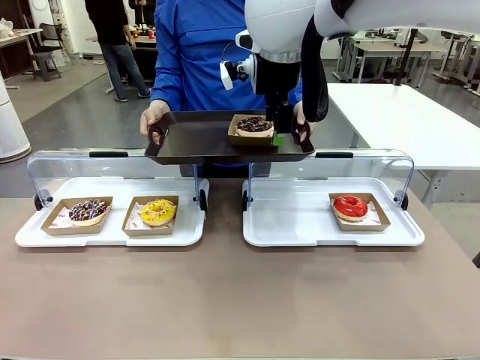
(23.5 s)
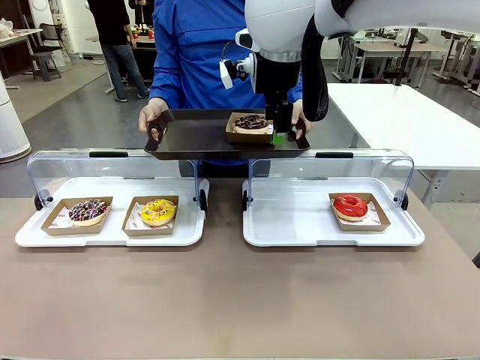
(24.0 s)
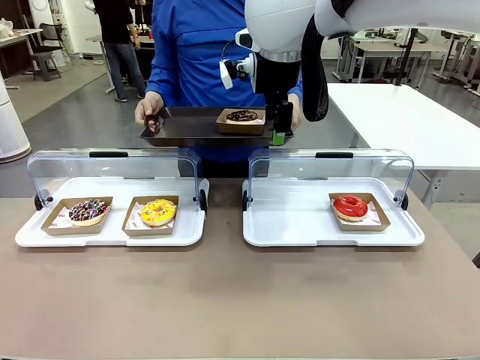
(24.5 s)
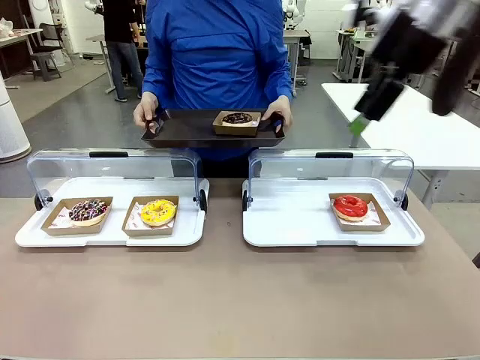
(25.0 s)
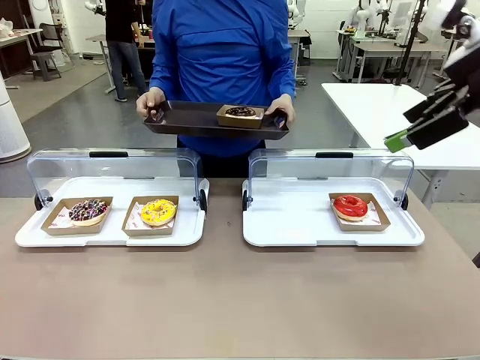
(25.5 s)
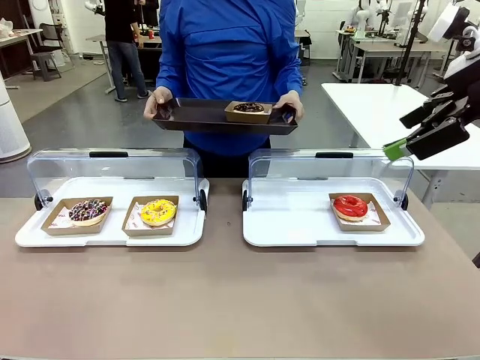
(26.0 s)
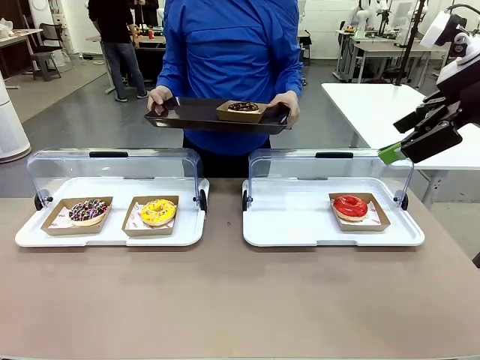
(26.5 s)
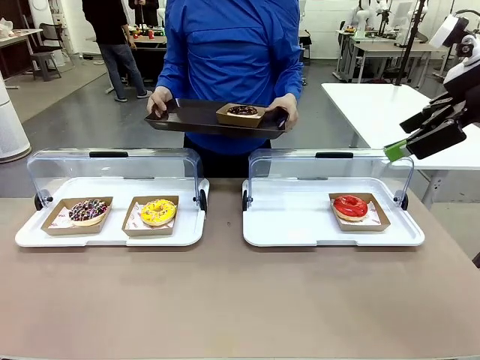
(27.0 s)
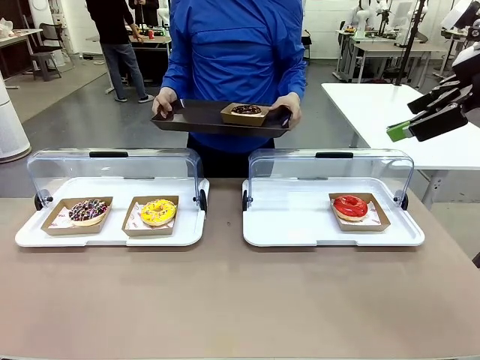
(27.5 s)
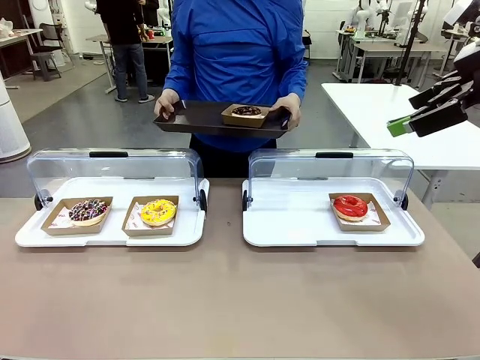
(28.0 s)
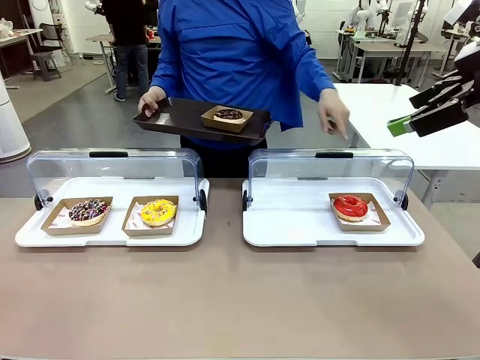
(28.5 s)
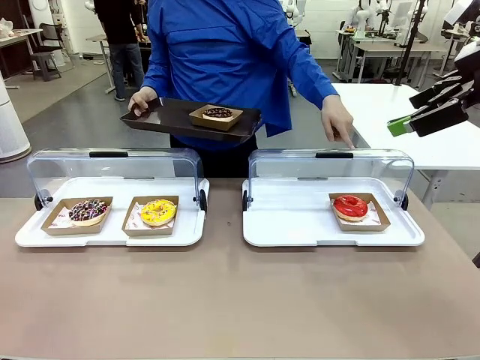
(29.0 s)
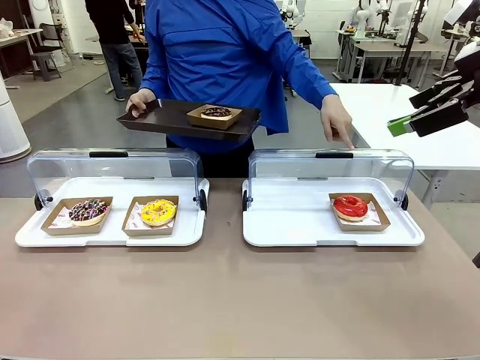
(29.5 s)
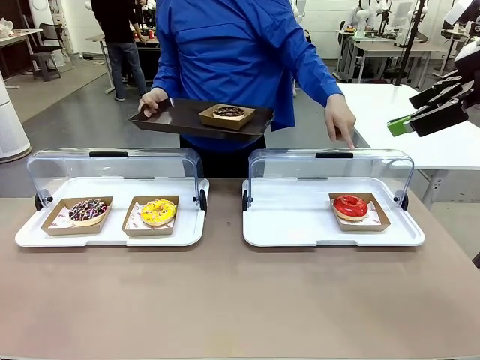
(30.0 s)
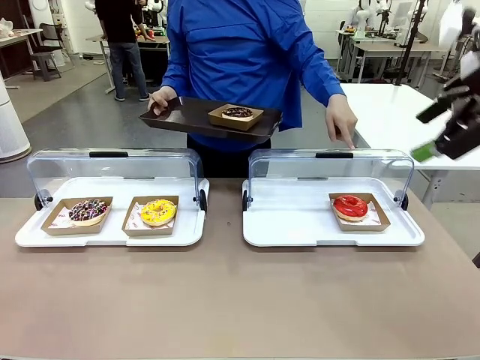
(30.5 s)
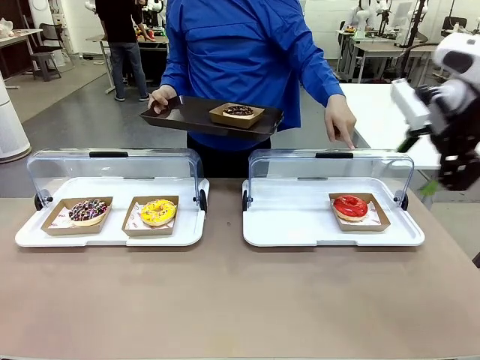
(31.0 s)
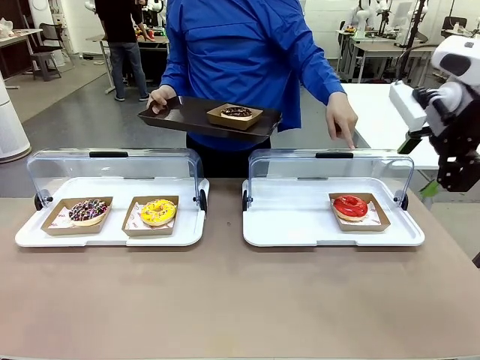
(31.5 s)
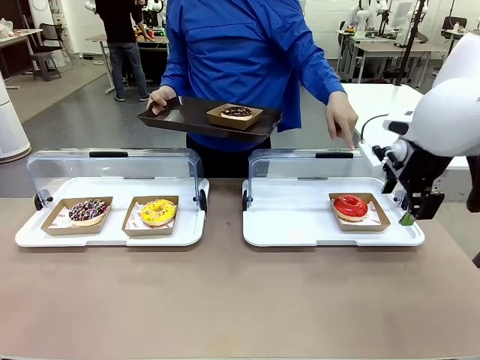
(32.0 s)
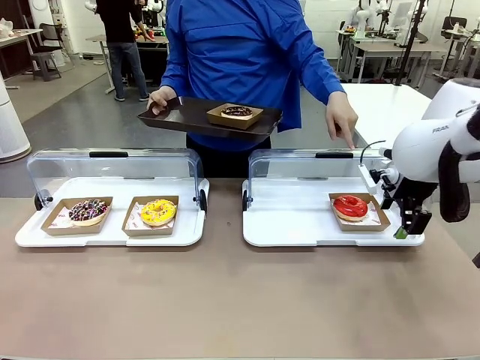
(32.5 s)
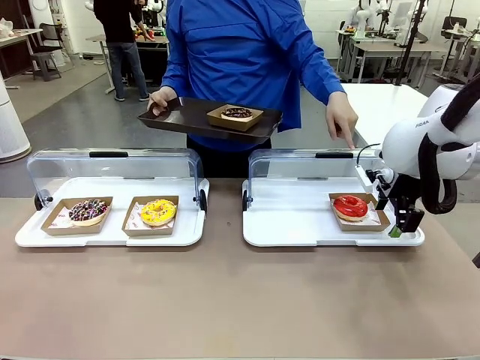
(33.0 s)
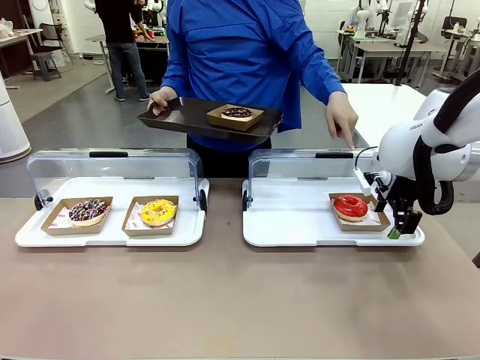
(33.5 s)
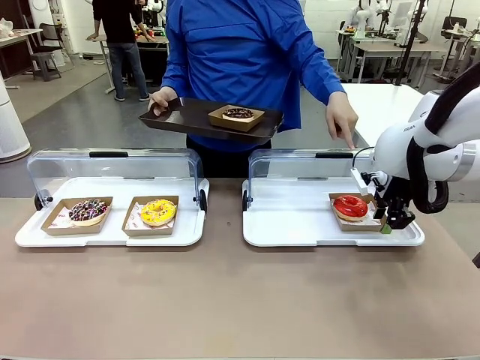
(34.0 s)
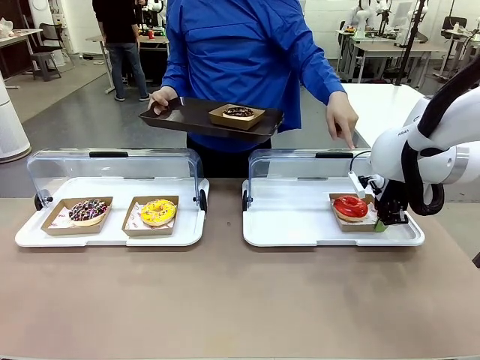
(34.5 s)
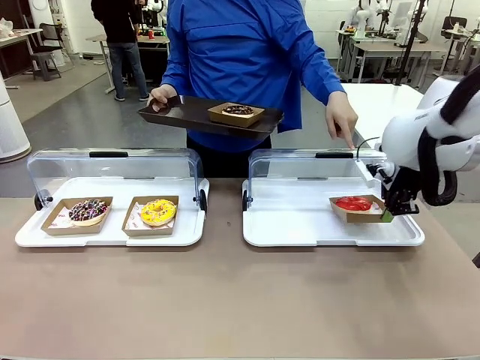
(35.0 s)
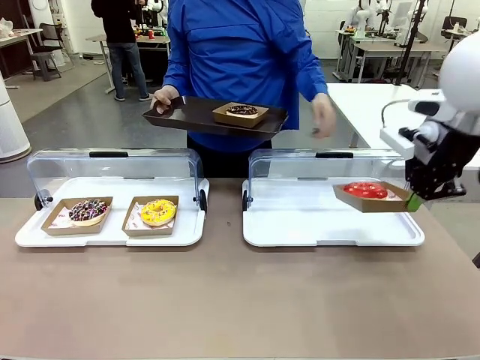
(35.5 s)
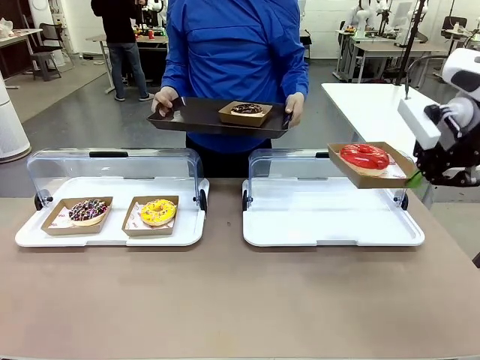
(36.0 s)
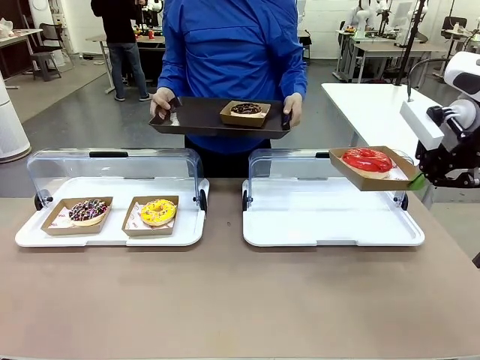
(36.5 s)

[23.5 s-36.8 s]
Task: Provide the desired donut to the person.
Robot: Pick up and lift the Paper togo box containing the Donut pointed at by the person.
Person: Lift the tray onto the Roll-Top Bakery Case.

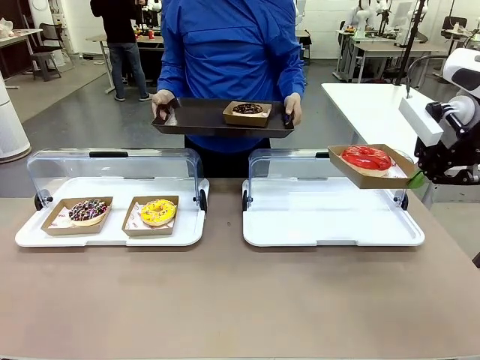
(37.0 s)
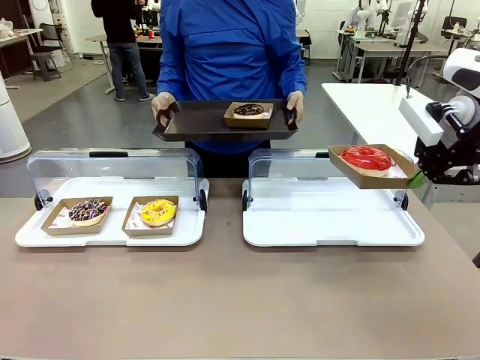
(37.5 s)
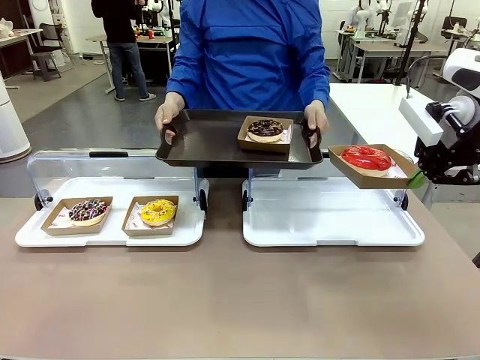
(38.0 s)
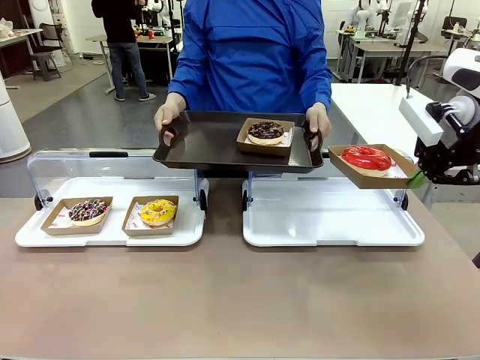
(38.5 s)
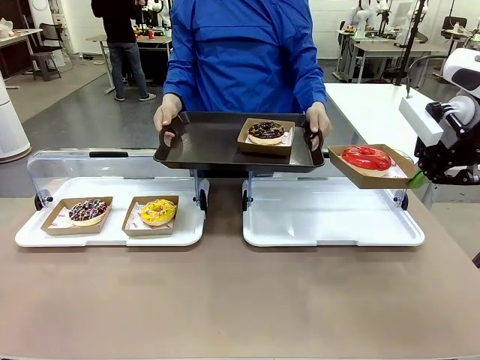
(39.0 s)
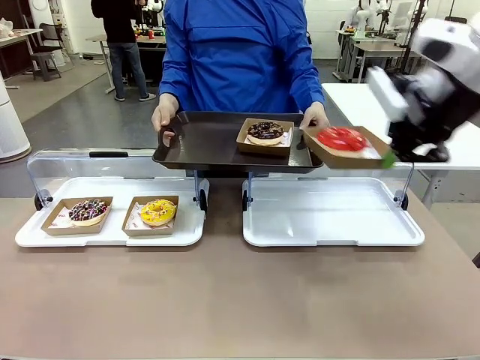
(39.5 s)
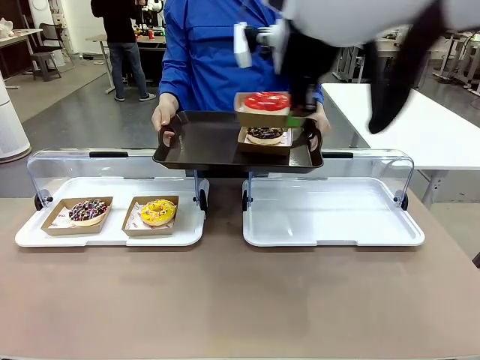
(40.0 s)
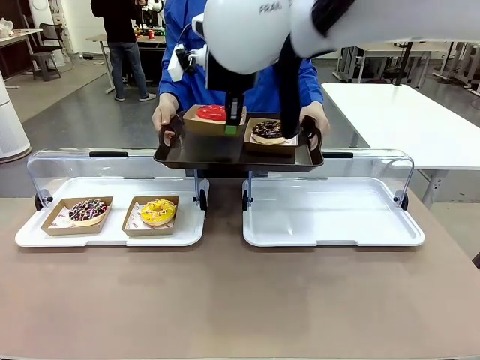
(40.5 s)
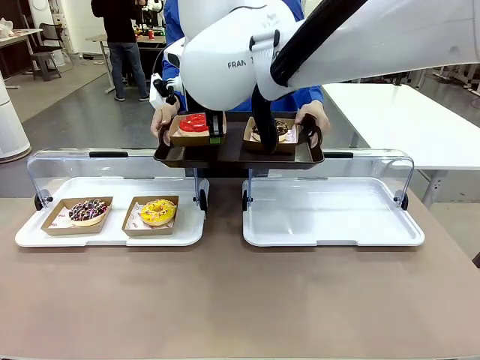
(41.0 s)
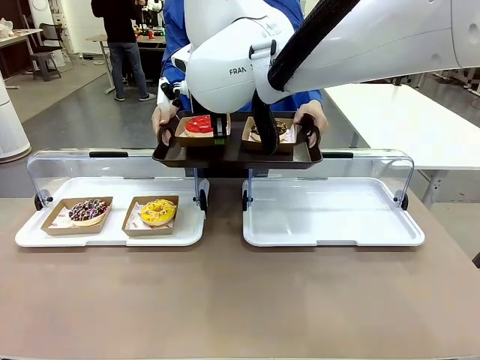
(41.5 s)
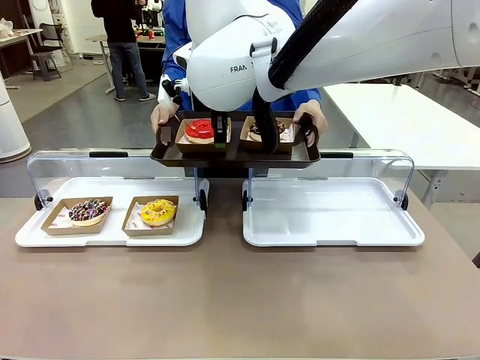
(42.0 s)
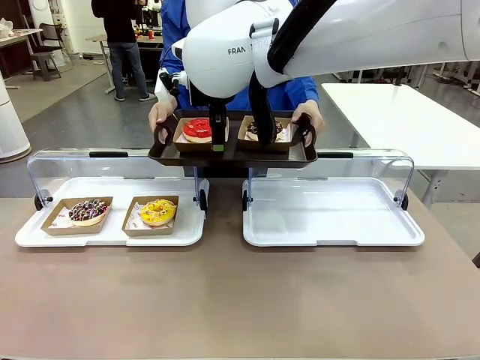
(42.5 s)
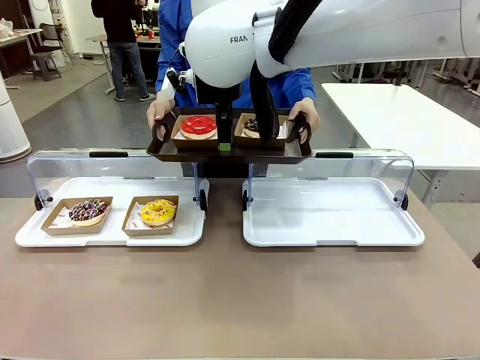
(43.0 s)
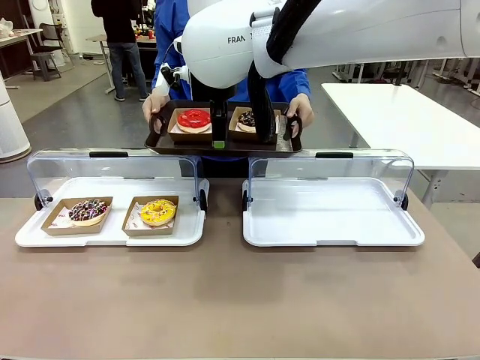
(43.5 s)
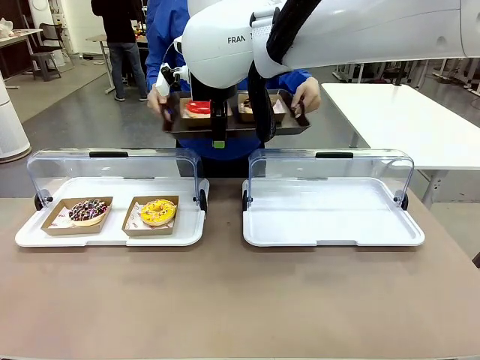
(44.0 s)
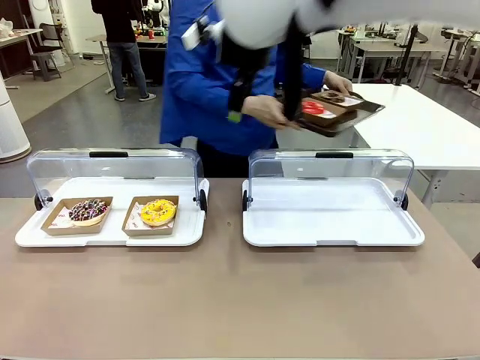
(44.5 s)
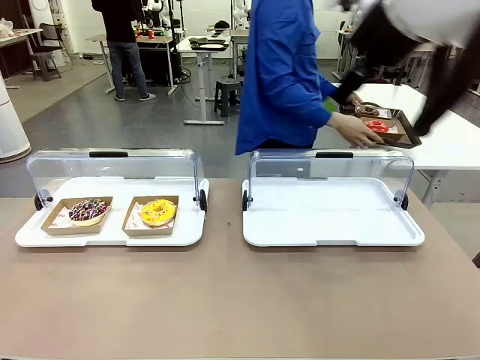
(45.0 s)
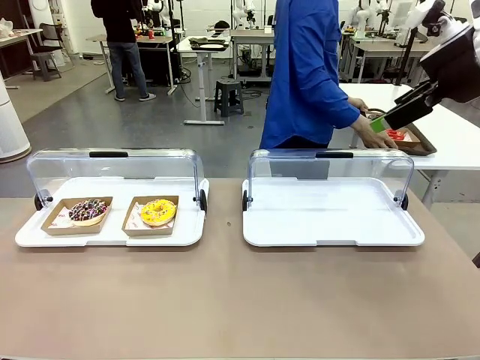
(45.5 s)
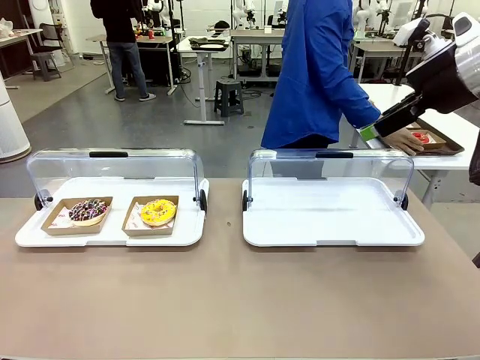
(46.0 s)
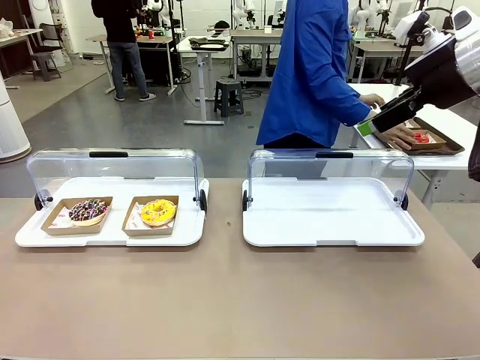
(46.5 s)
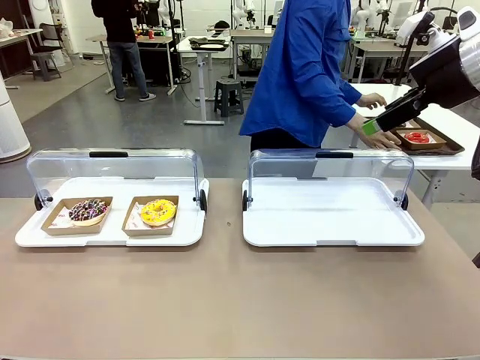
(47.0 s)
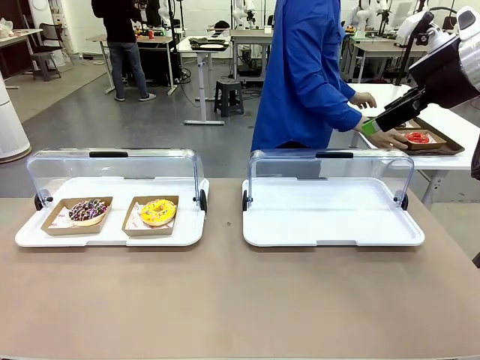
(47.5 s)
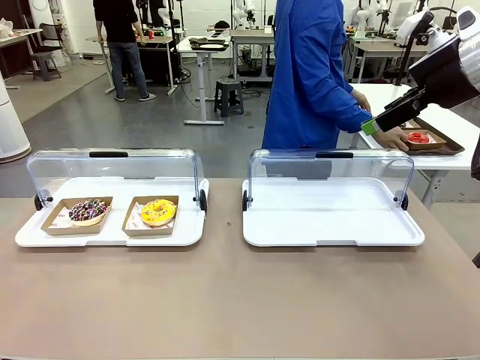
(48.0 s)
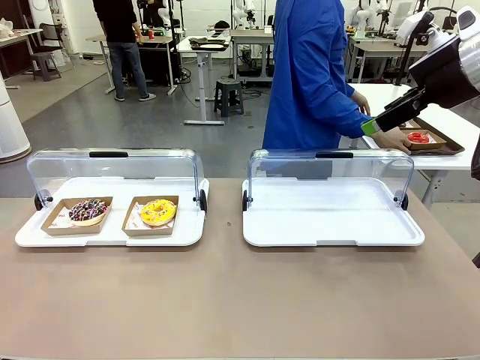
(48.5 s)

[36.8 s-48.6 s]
Robot: Place the picked Paper togo box onto the Handle tray extended by the person.
Person: Place the tray in the middle of the human table.
